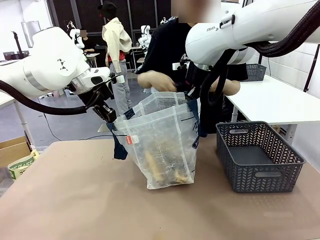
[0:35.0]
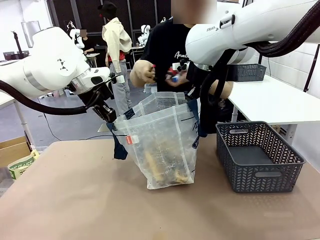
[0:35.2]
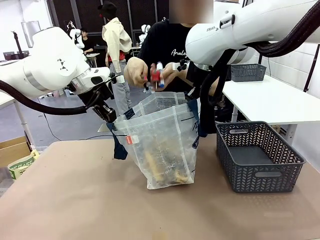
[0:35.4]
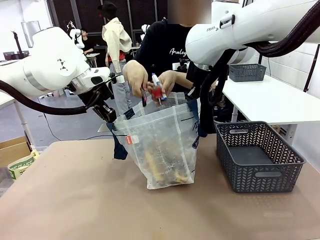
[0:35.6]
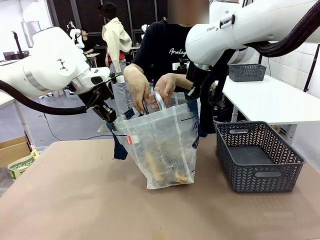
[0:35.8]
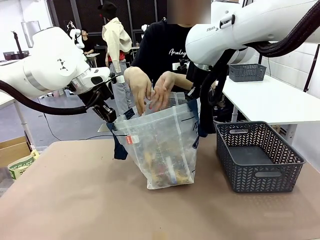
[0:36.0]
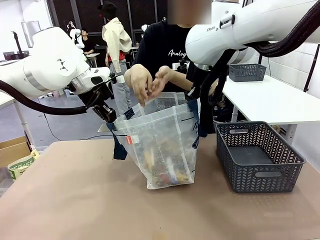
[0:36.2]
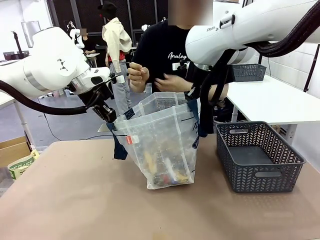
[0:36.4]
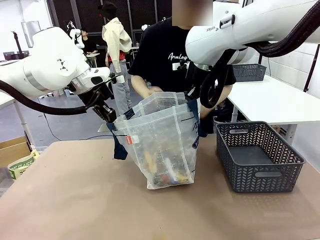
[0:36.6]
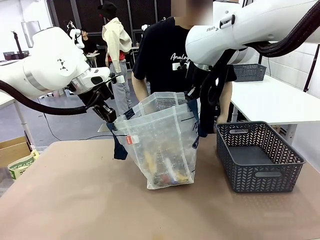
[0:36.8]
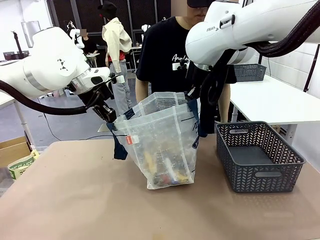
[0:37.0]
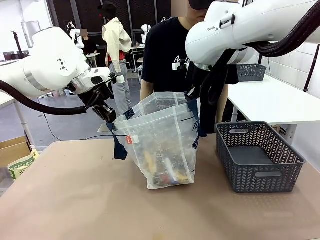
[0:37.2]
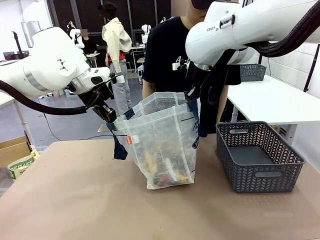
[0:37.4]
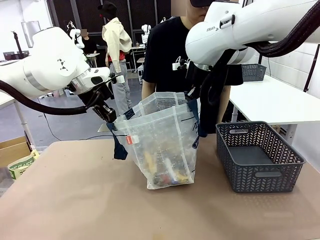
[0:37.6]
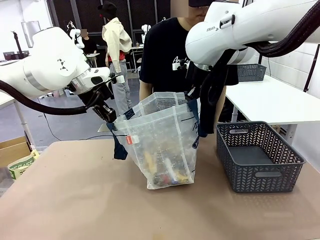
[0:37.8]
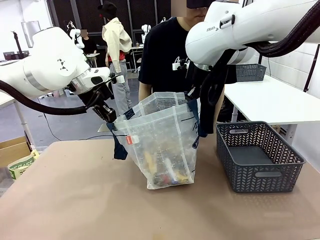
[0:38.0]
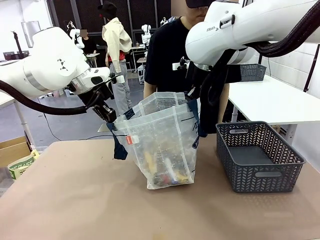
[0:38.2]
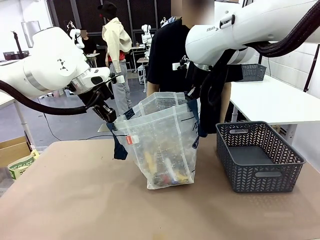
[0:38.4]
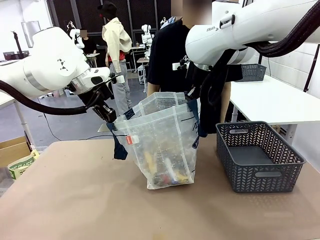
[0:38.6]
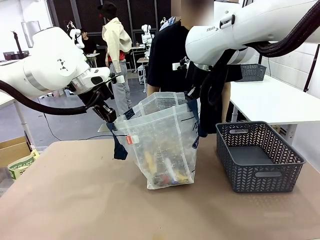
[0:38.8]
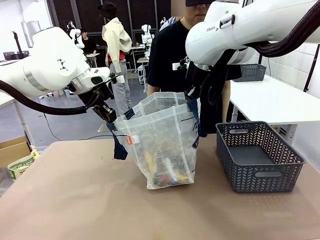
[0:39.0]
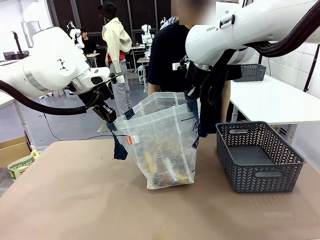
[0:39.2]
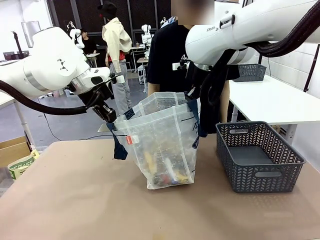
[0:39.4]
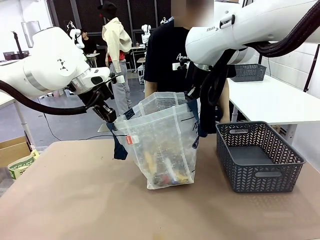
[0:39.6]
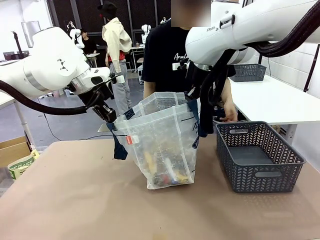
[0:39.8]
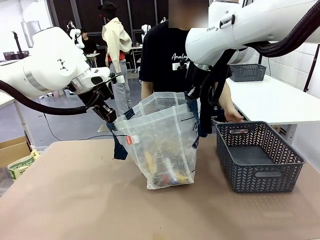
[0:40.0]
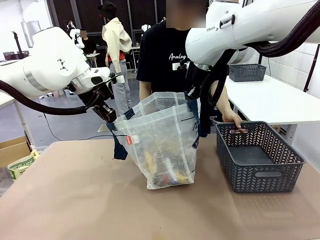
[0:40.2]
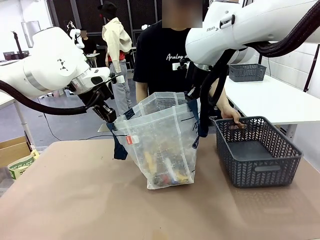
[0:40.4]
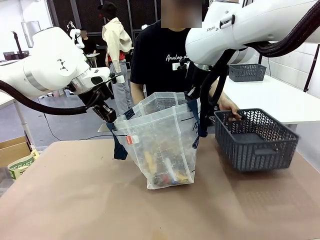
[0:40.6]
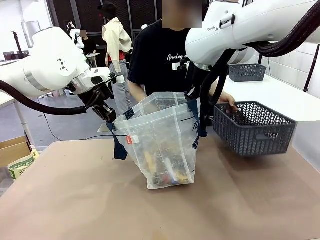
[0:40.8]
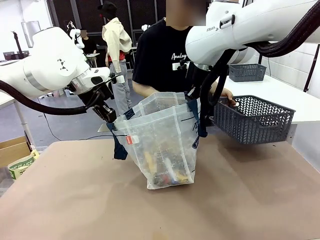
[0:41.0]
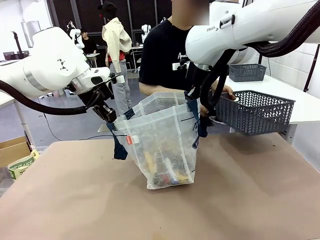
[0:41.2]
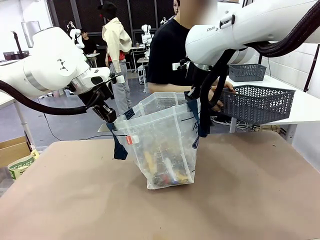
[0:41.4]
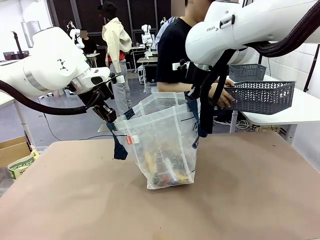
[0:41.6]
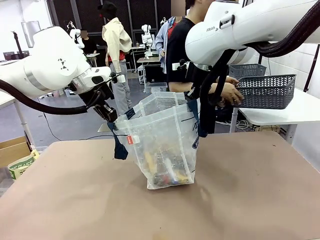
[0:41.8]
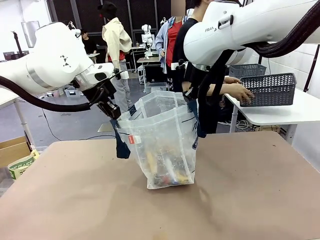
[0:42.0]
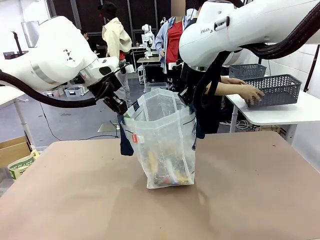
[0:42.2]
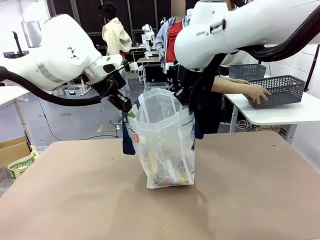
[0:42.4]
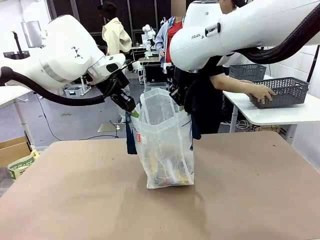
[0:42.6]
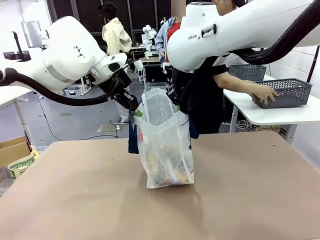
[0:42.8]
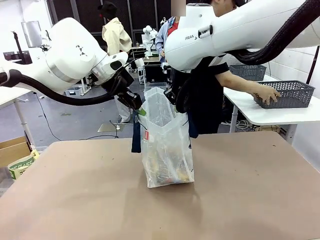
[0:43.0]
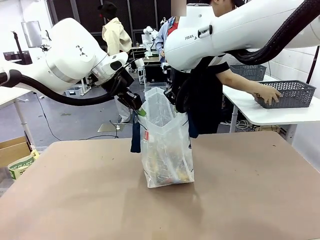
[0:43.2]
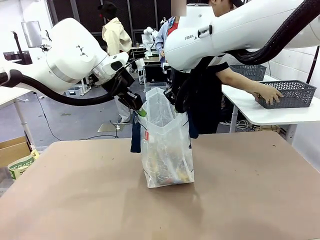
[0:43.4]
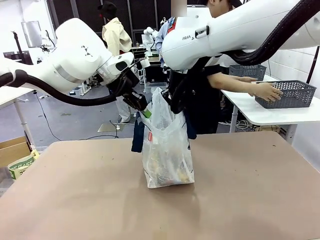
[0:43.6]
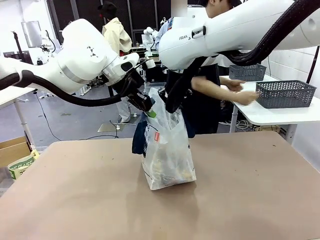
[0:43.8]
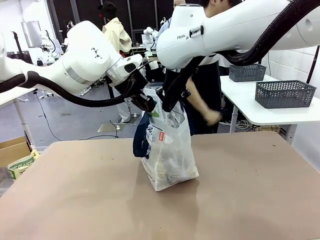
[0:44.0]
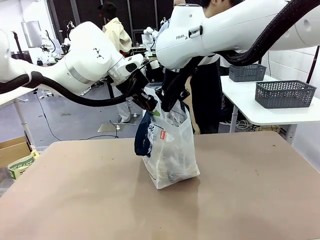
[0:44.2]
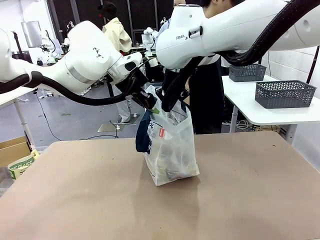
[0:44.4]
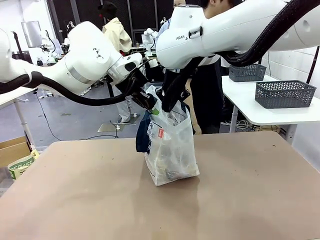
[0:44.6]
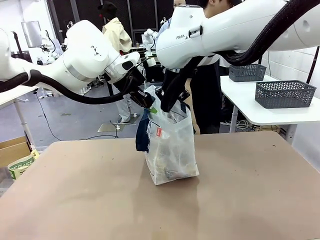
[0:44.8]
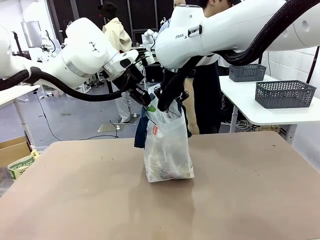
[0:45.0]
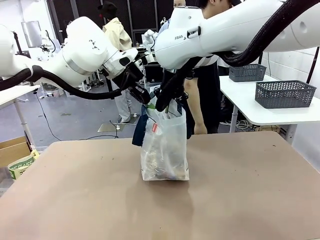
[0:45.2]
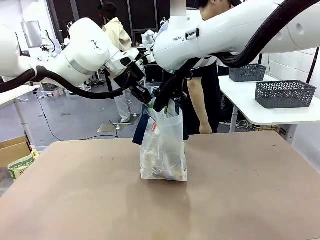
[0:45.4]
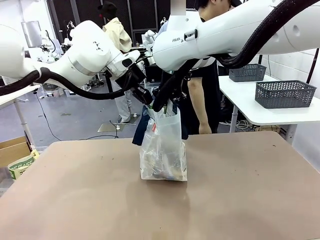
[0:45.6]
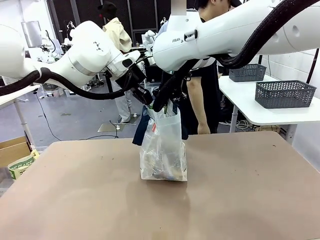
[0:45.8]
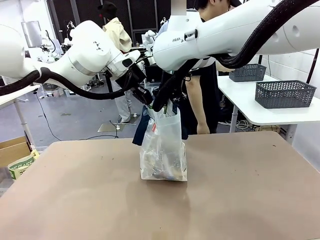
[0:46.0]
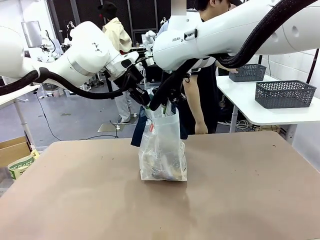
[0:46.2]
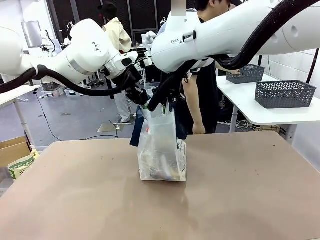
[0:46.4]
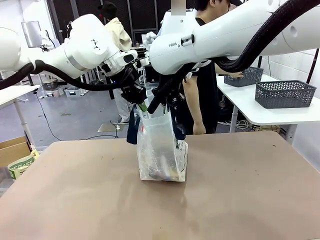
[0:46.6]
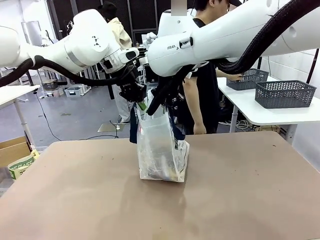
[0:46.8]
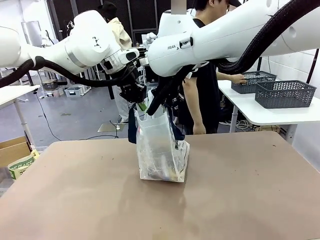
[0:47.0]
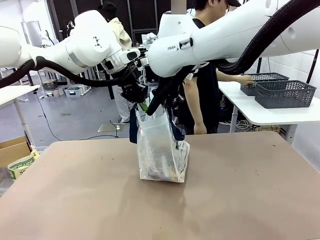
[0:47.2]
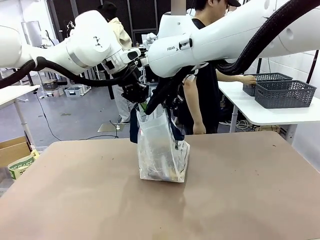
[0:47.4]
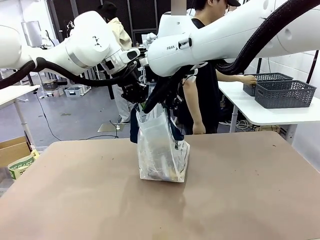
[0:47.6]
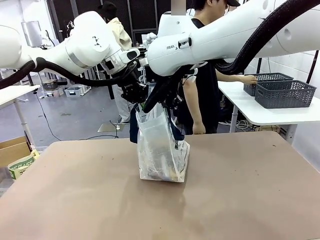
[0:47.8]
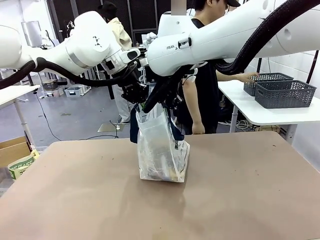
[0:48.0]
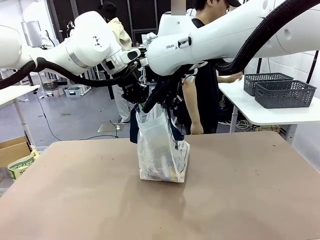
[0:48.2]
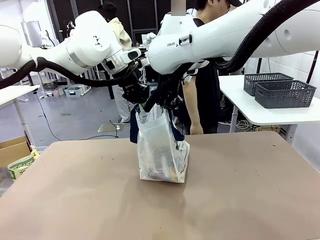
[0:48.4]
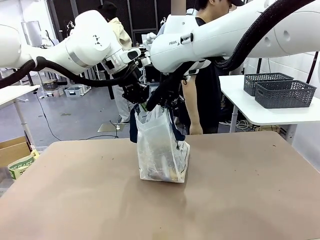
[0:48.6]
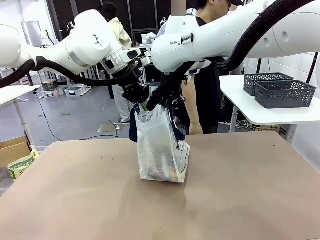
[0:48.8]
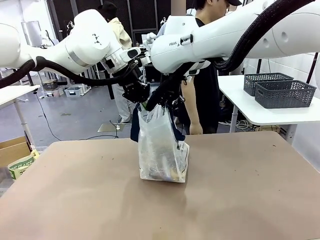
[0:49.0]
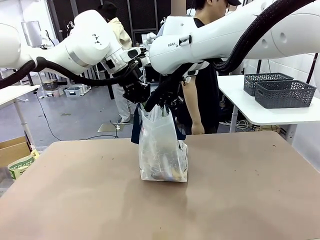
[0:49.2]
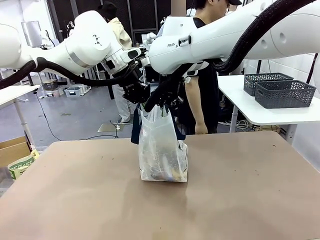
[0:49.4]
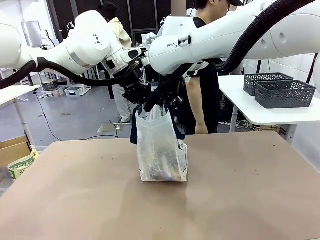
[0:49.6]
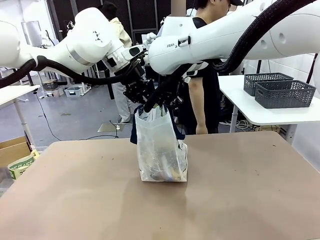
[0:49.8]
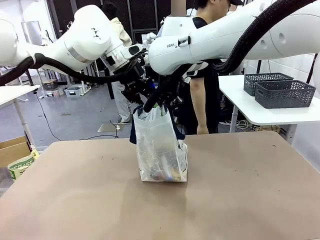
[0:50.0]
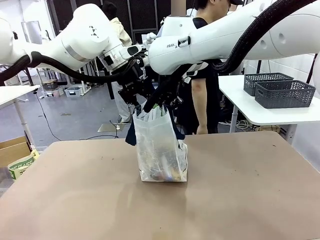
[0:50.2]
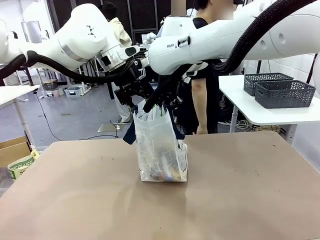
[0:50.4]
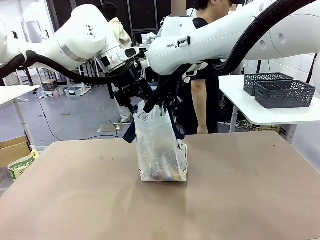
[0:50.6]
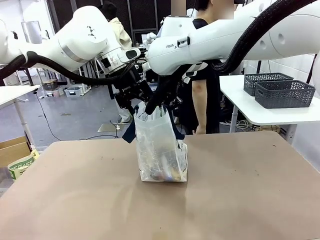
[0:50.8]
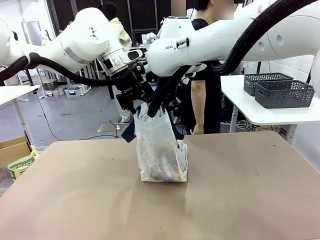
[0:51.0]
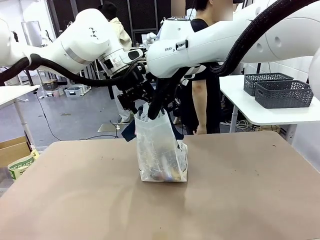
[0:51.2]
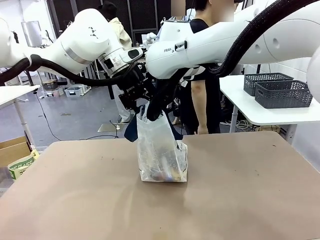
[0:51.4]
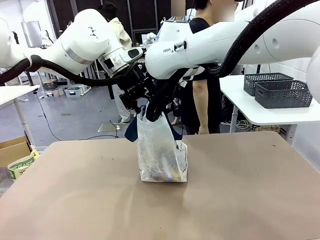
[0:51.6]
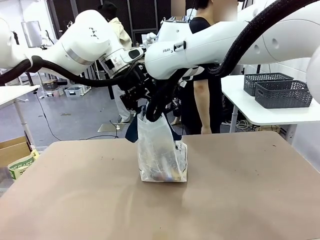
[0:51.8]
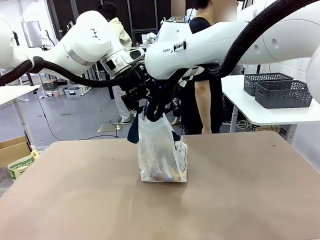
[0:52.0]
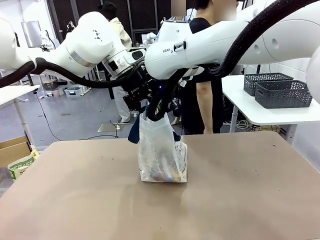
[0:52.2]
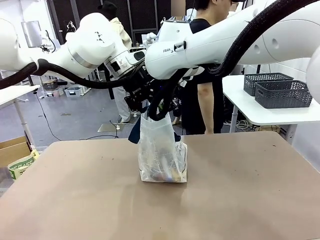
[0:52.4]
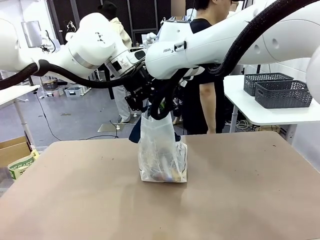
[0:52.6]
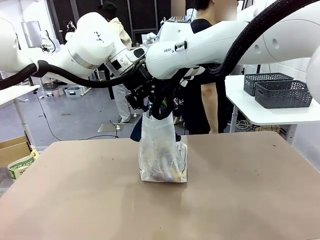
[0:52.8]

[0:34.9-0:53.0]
Task: Transfer purchased items from the store into the shopping bag.
Robot: Move the Reusable shopping bag to the right side of the table.
Person: Pick up the basket with the items out and place it on the right side of the human table.
